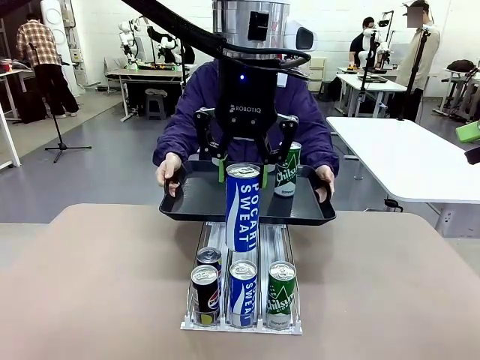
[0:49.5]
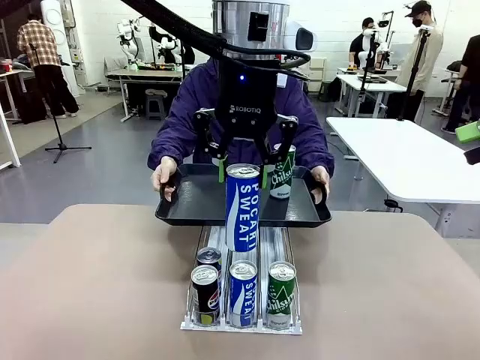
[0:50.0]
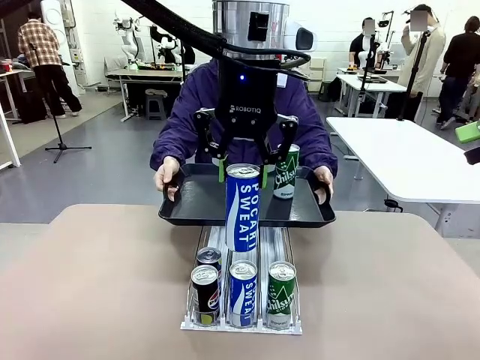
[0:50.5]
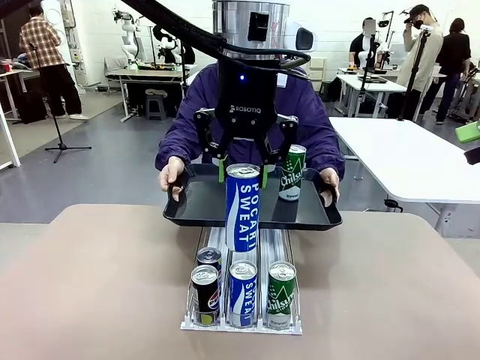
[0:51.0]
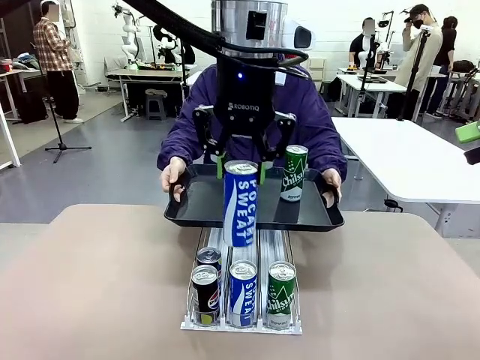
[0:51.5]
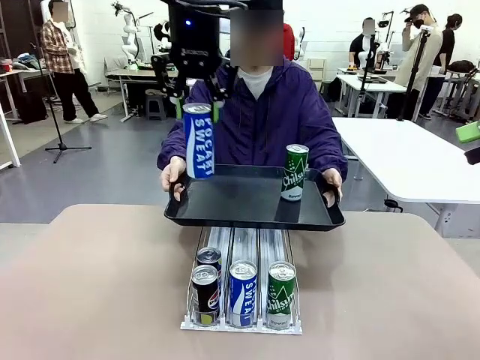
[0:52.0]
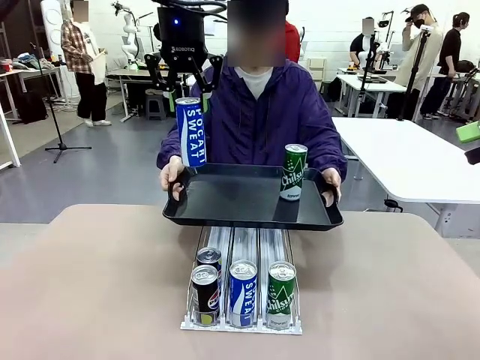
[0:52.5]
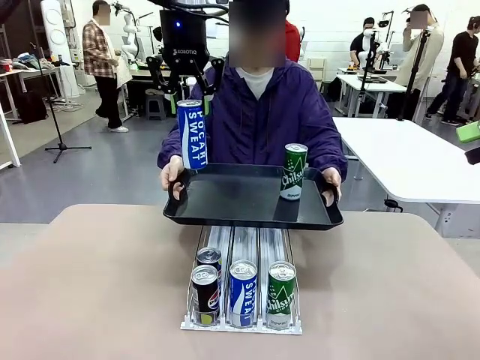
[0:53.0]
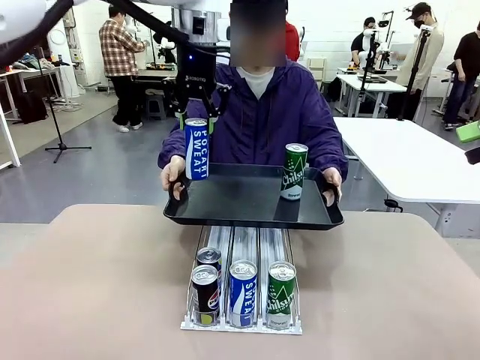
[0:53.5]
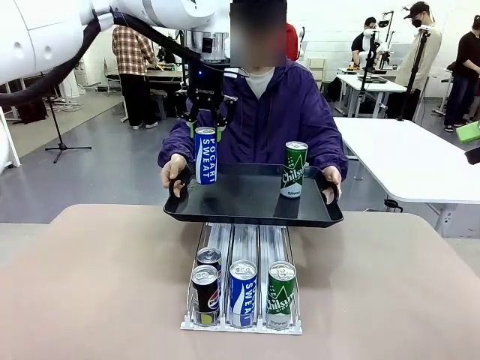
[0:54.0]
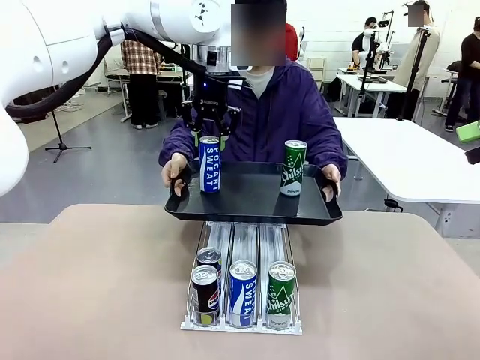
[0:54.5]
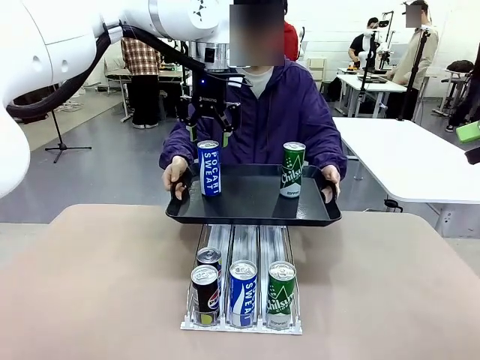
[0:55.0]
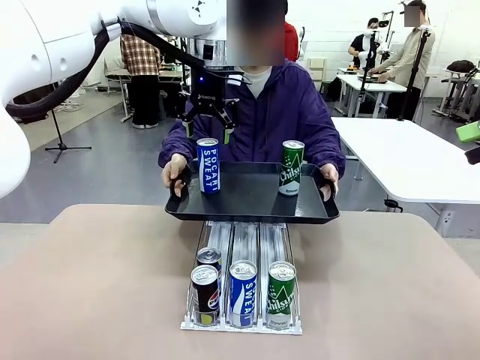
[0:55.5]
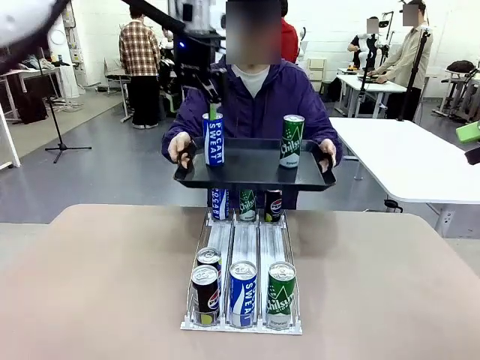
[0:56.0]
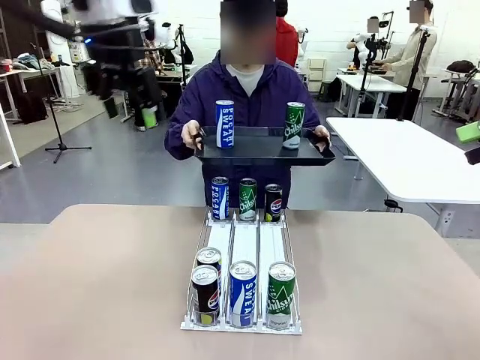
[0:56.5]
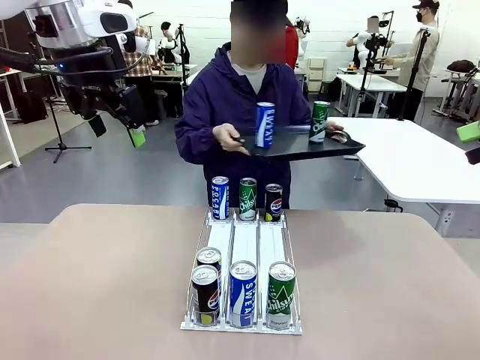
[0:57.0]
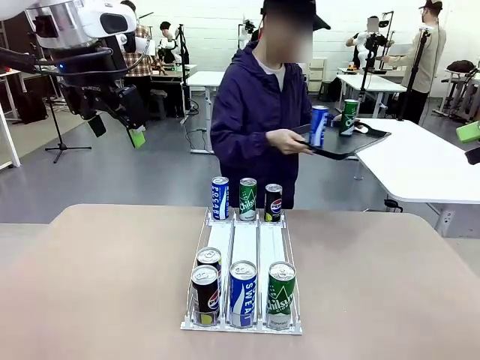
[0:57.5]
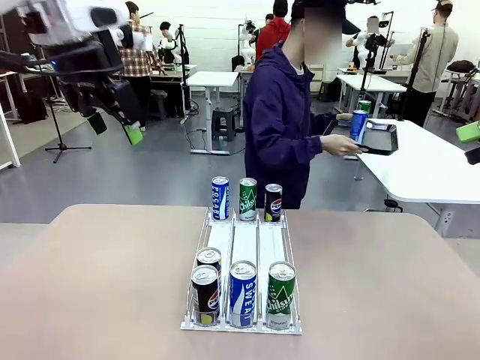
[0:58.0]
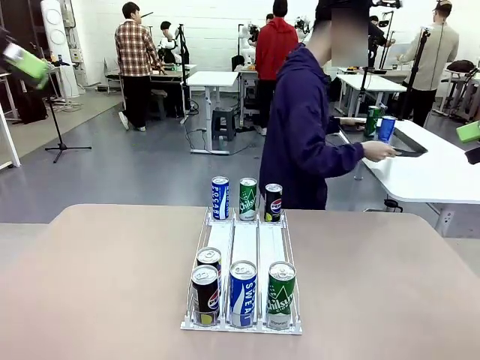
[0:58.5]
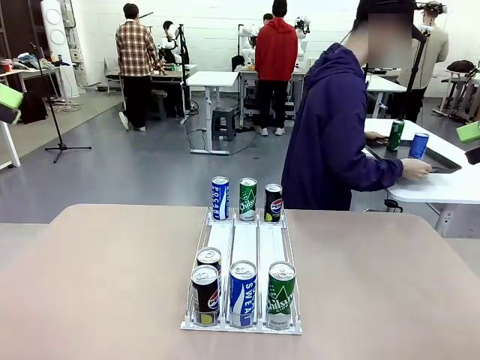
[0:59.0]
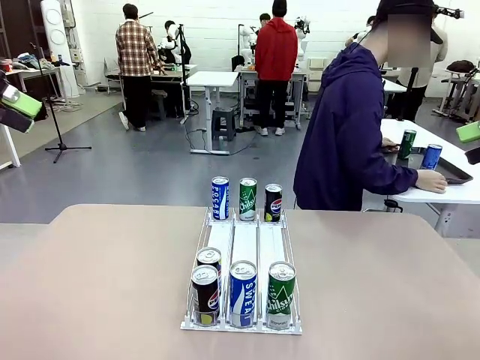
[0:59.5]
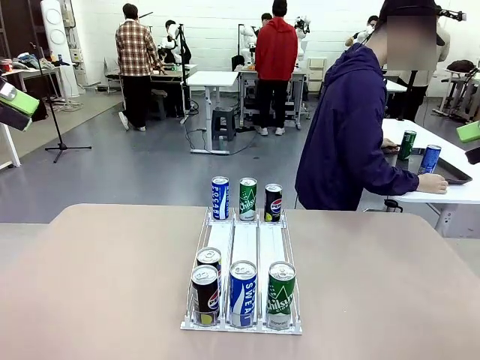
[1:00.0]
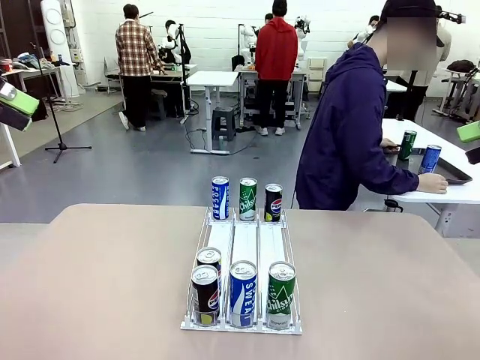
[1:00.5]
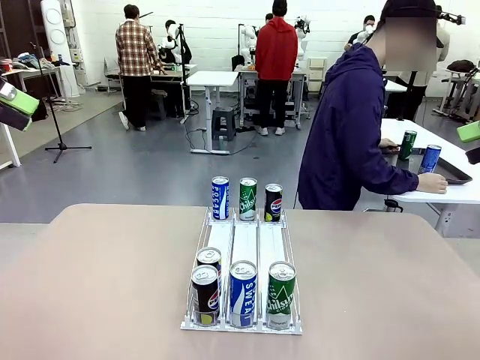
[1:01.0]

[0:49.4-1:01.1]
Task: Retrieve and hand over the desired beverage to the person.
Robot: Place the picked can on the Handle tray extended by the person.
Person: Pull the tray back and place it at the center of the human table.

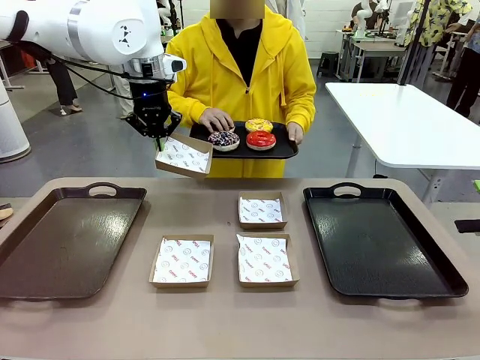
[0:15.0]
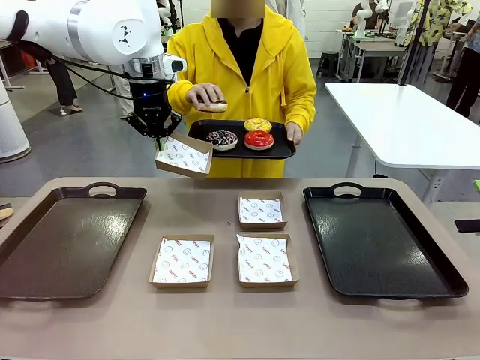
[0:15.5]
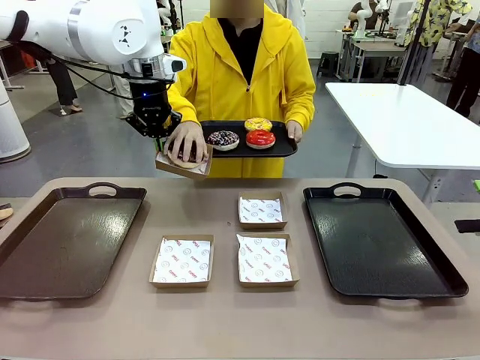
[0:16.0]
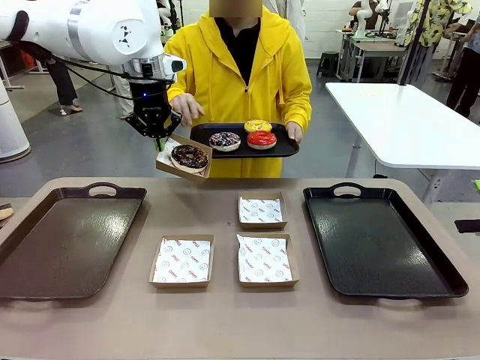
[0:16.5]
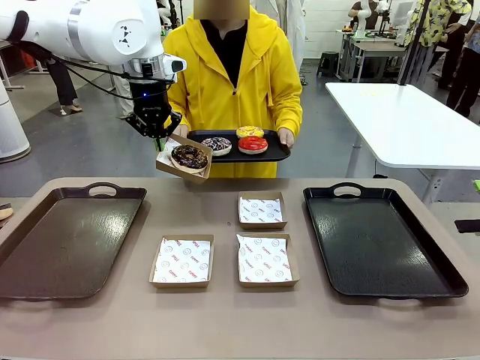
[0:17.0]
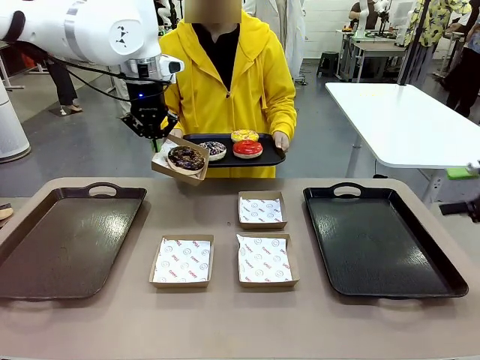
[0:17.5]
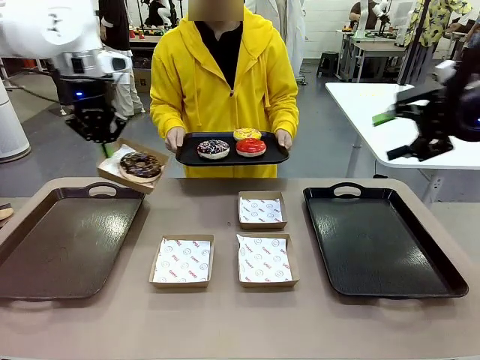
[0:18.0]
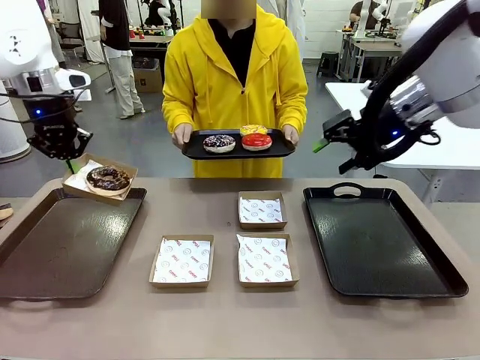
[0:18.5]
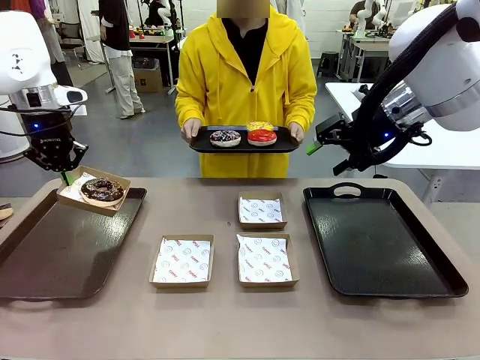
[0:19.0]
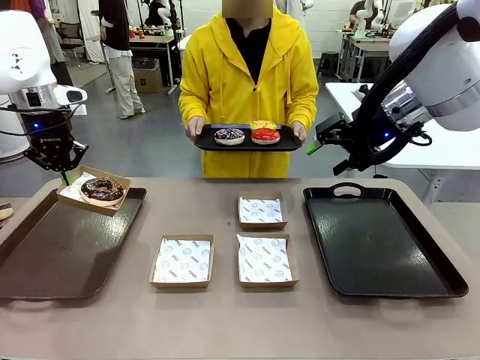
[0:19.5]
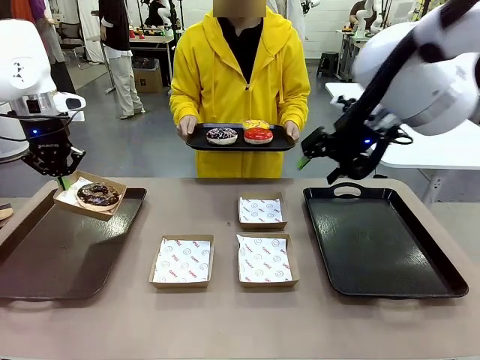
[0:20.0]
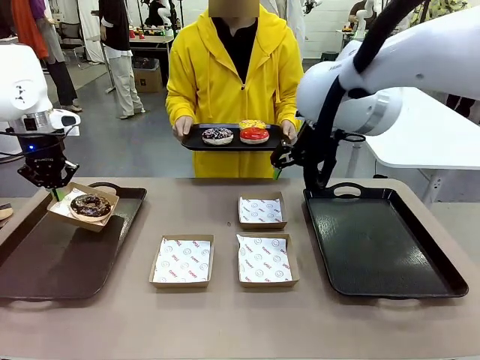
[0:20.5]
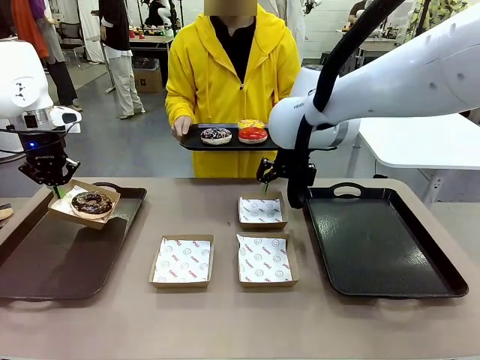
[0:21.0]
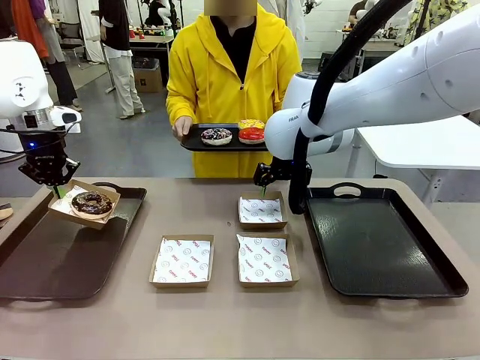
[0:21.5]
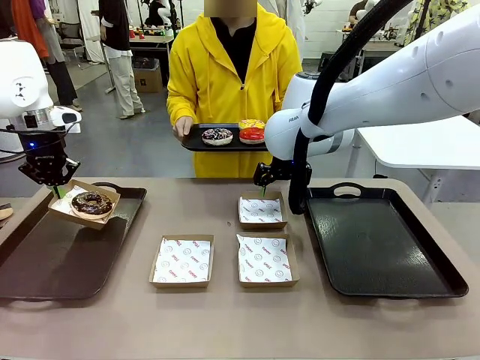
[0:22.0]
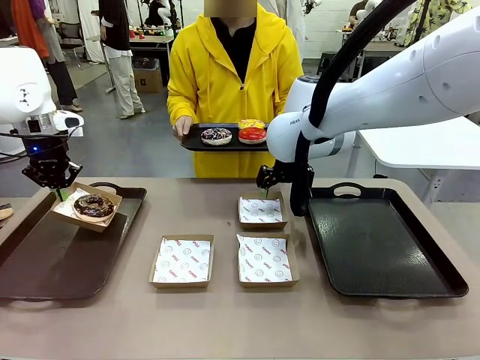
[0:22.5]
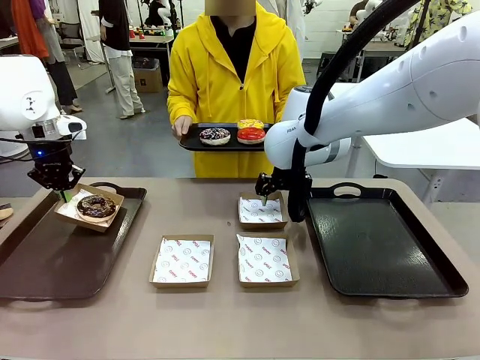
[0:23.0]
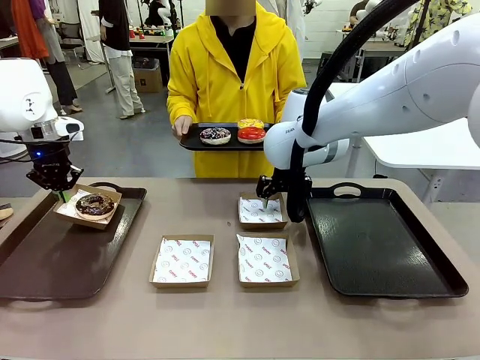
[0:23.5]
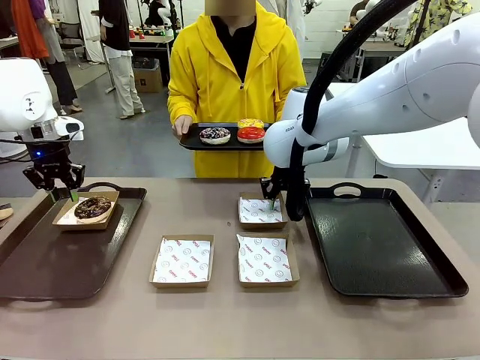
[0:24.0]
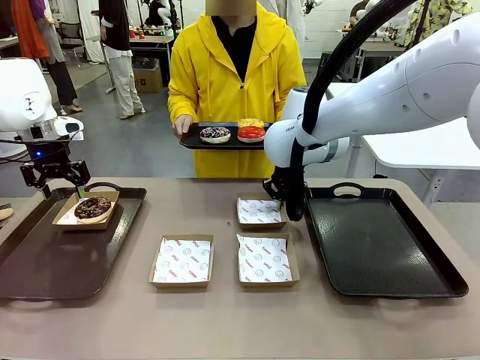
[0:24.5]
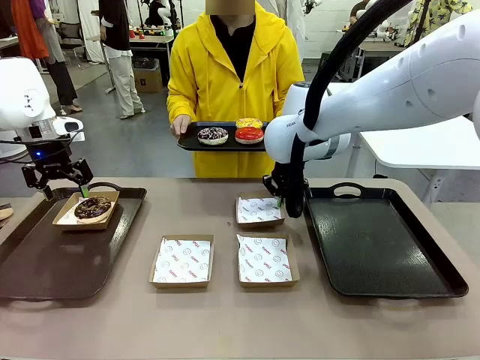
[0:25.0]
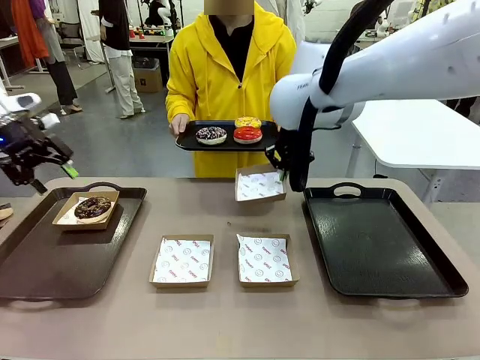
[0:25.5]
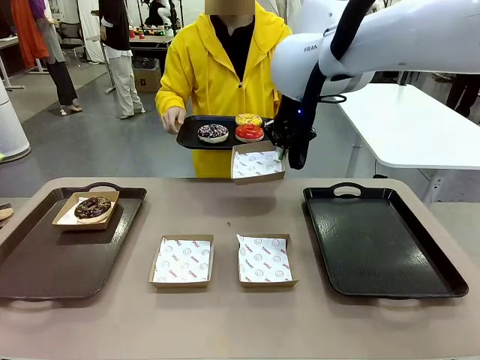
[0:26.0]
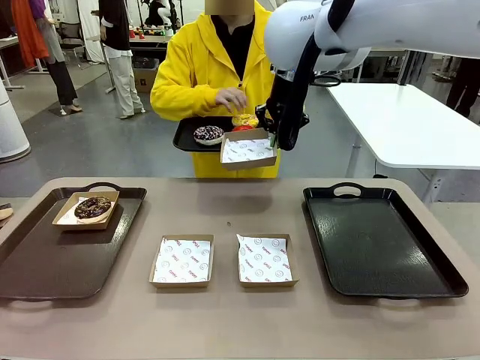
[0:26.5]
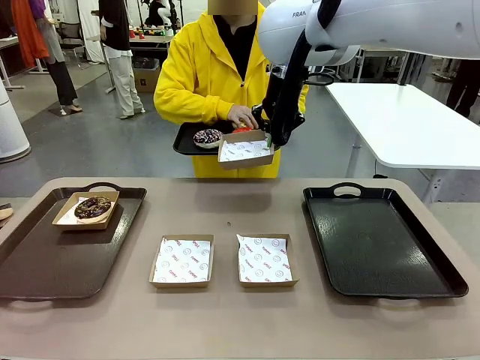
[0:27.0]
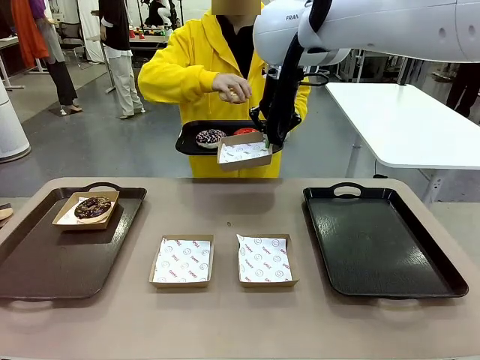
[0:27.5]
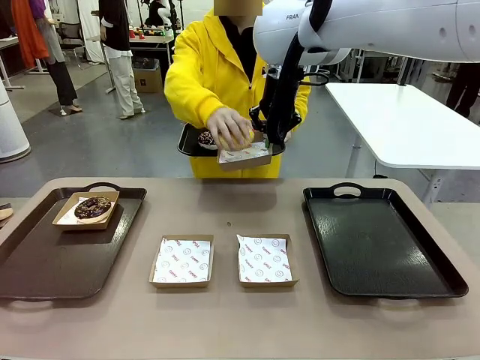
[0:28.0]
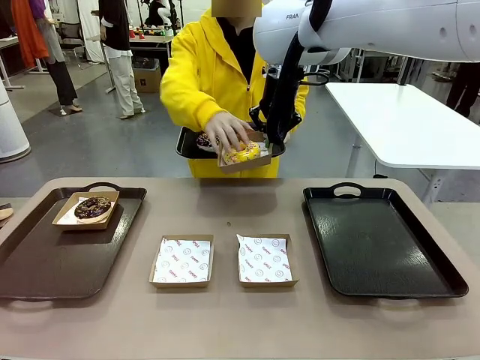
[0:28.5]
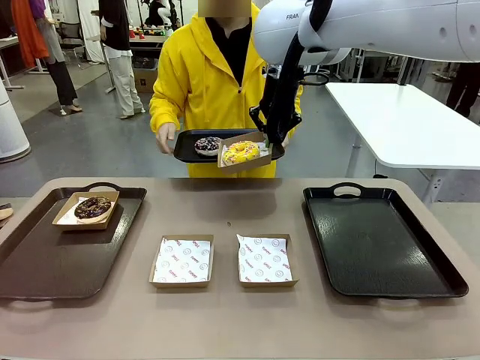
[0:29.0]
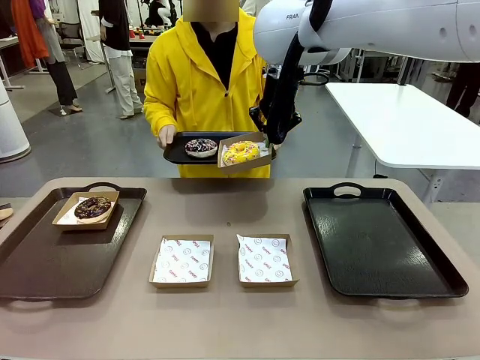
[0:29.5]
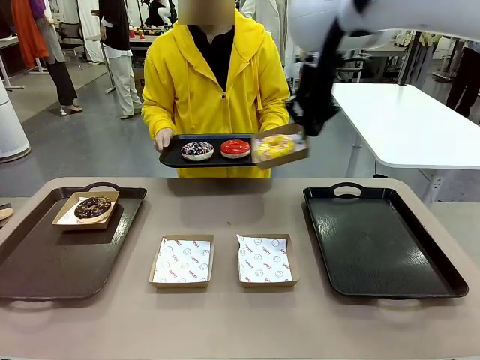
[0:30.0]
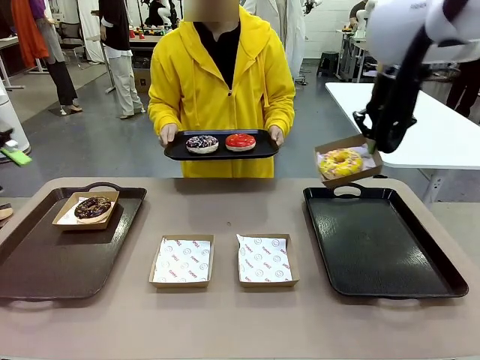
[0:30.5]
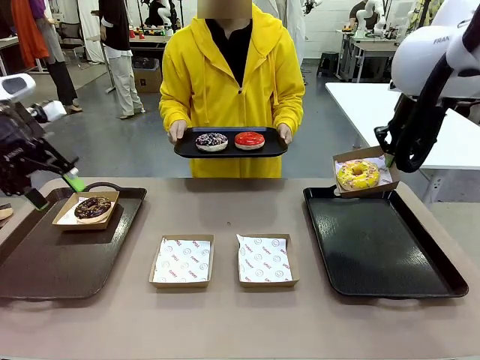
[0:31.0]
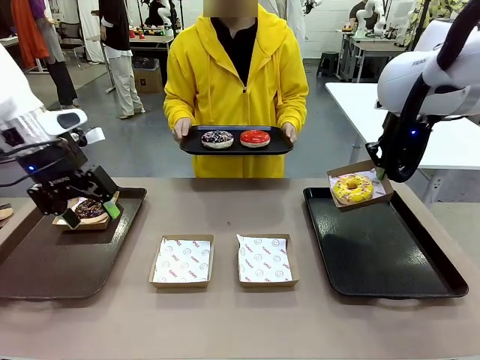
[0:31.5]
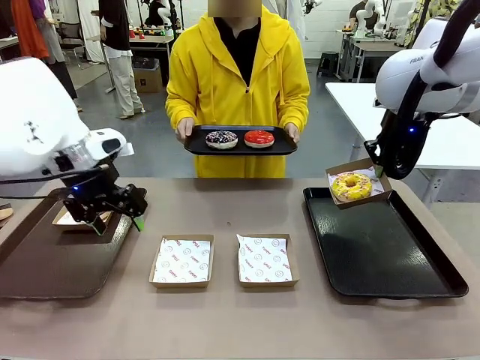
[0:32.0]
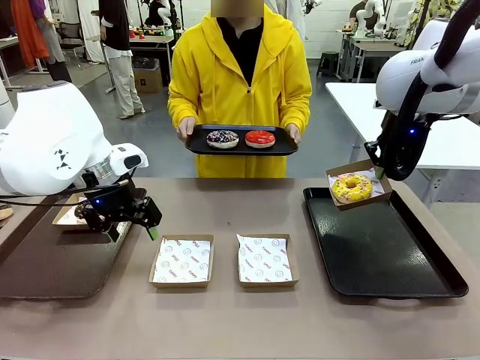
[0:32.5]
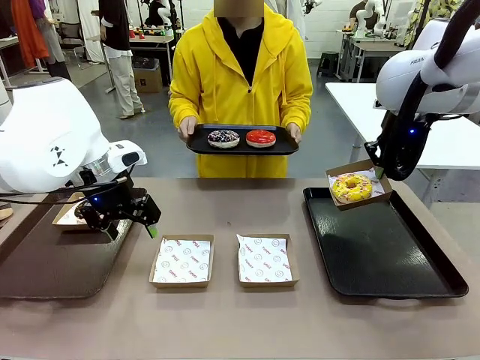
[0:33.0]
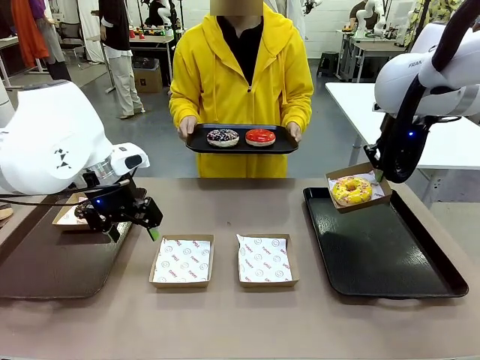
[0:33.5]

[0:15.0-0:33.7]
Task: Individually package the donuts and arrange them on the tray.
Robot: Place the picked Paper togo box on the Handle tray while simultaneously picking up another Paper togo box from the table with the other hand.
